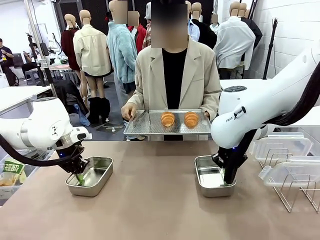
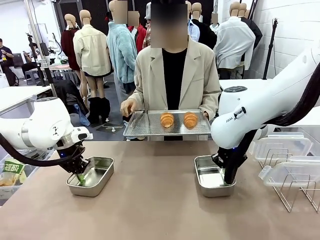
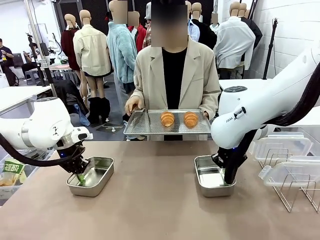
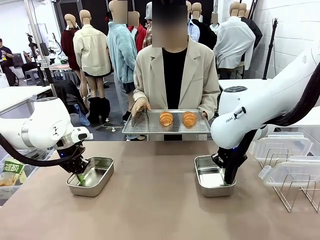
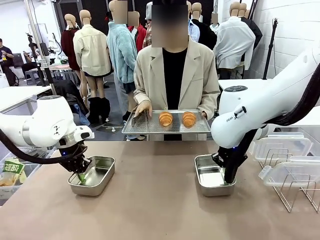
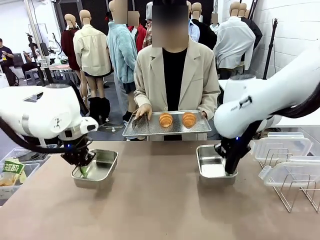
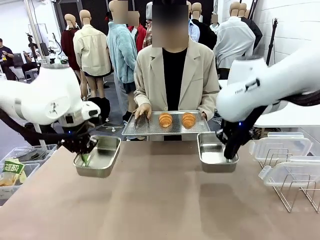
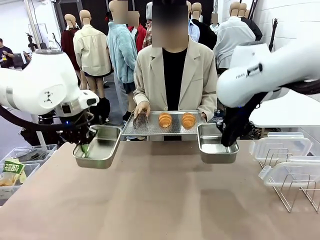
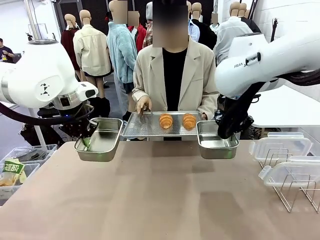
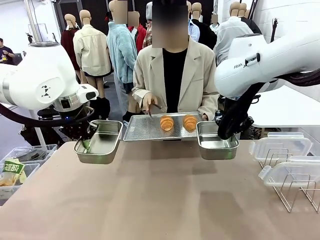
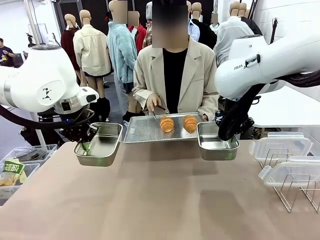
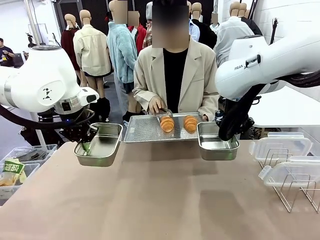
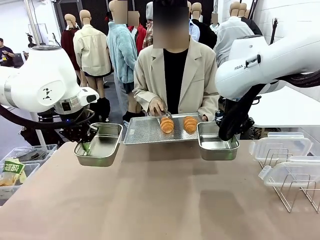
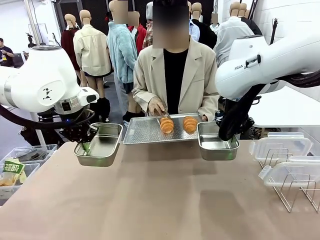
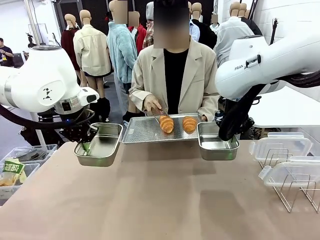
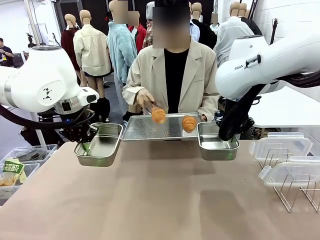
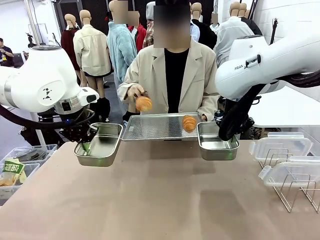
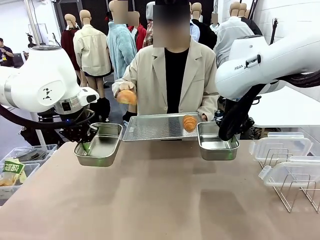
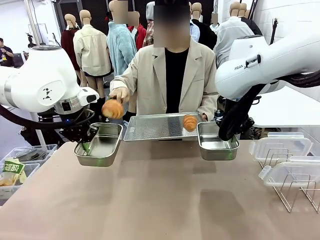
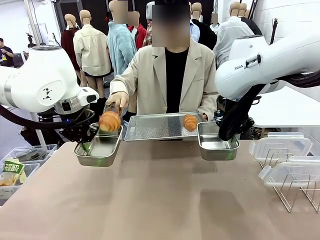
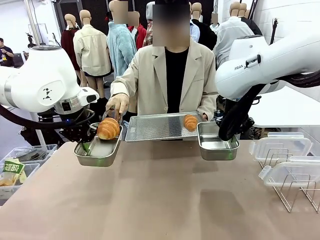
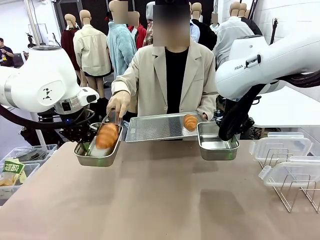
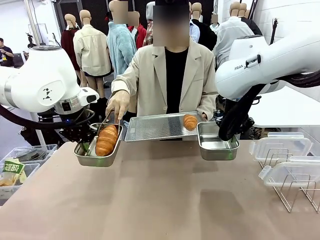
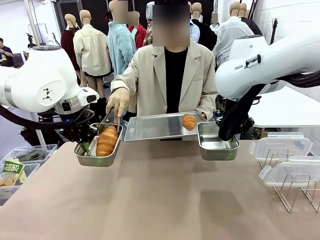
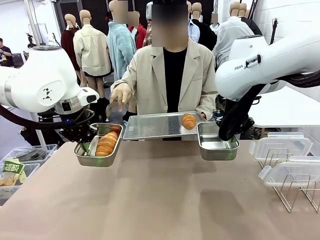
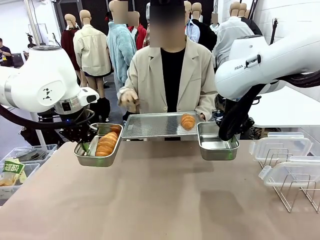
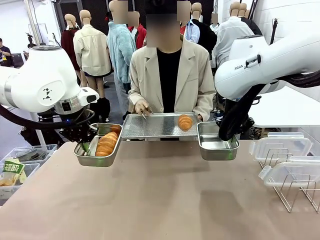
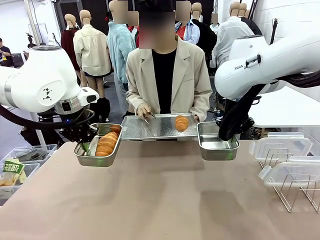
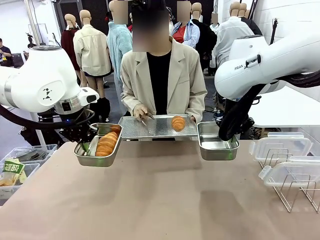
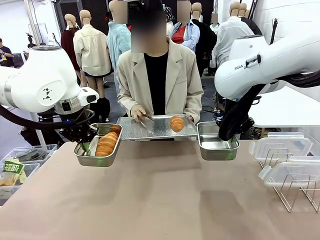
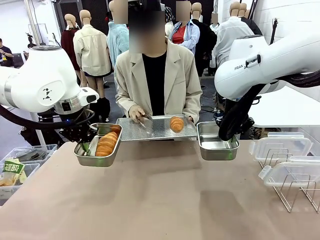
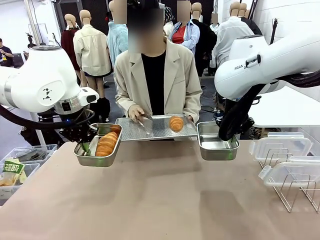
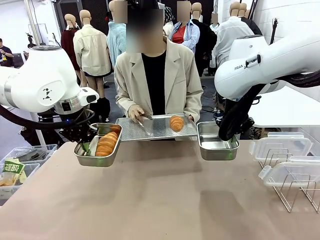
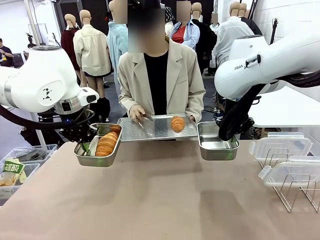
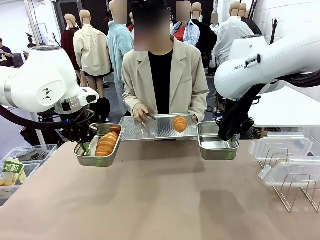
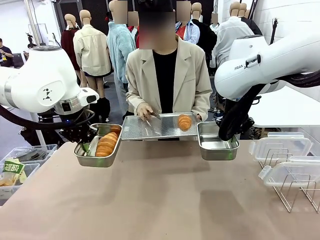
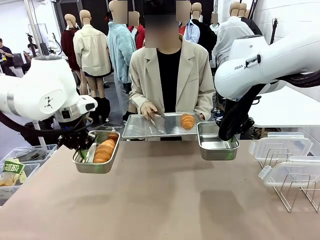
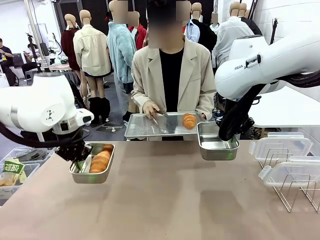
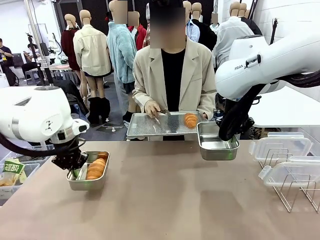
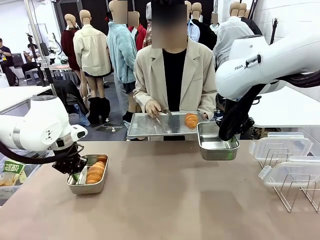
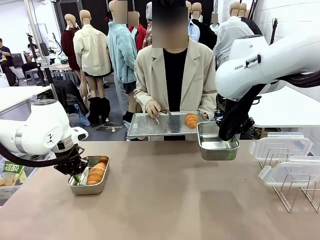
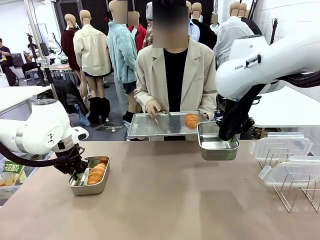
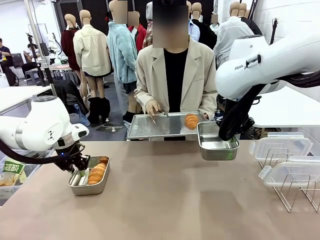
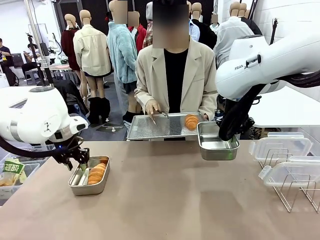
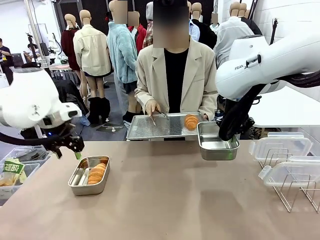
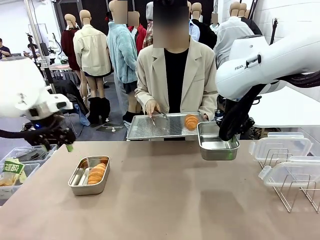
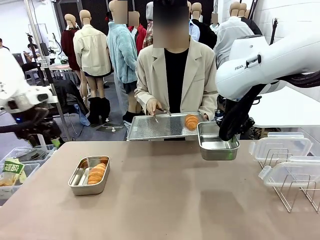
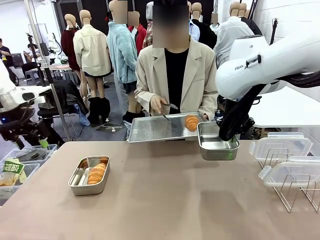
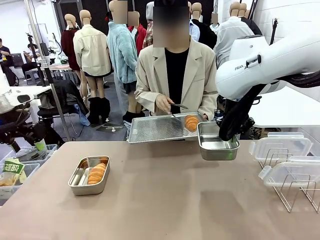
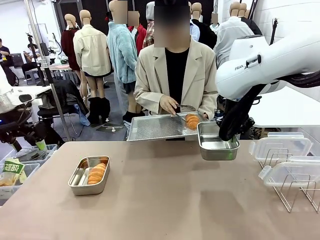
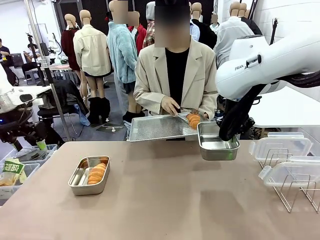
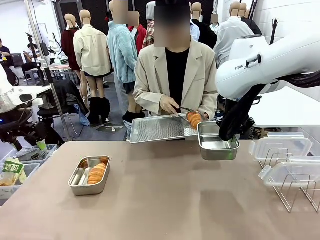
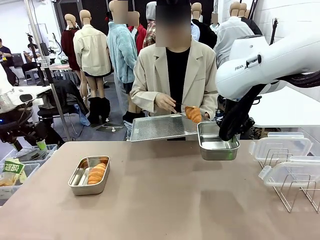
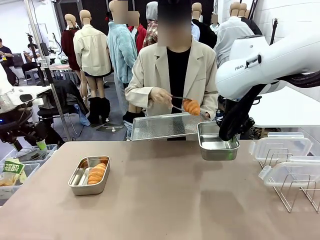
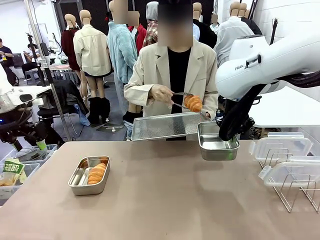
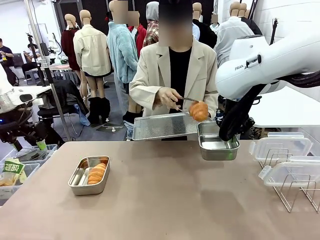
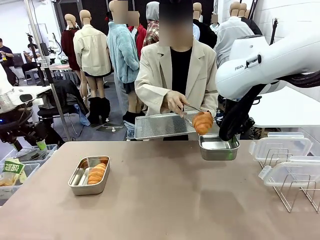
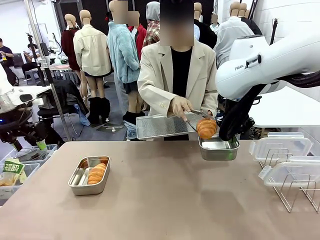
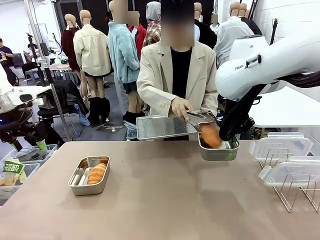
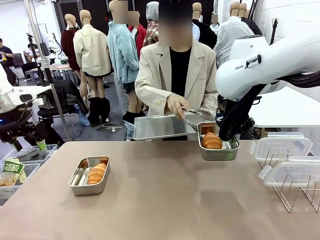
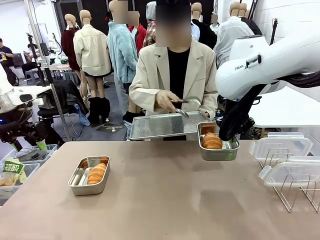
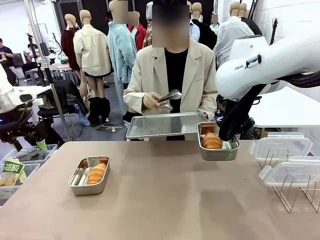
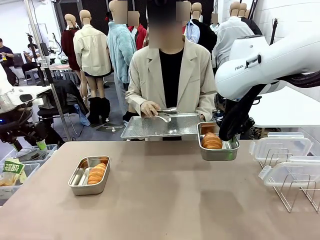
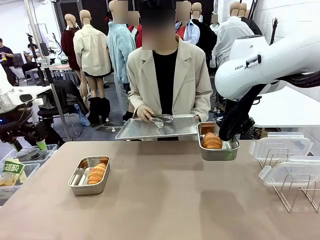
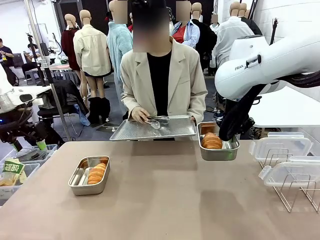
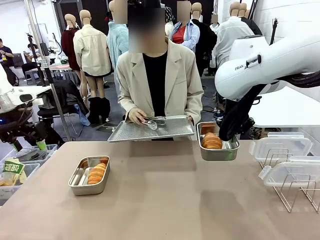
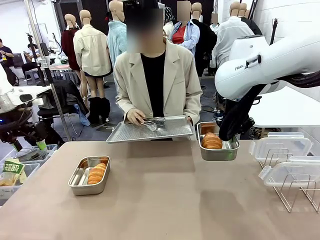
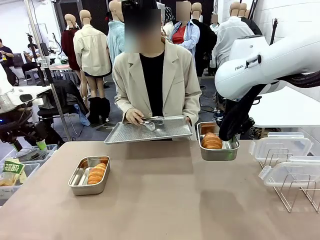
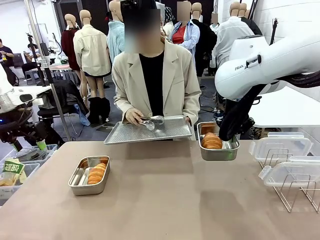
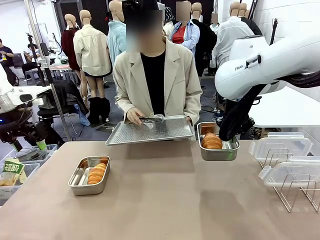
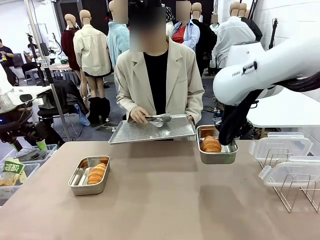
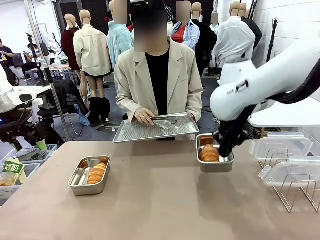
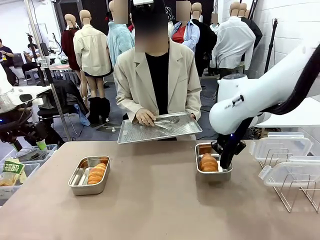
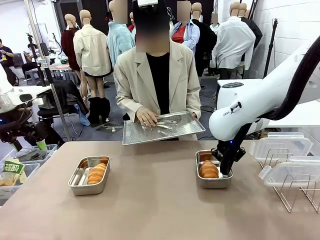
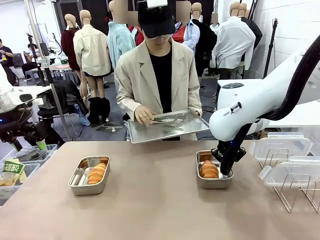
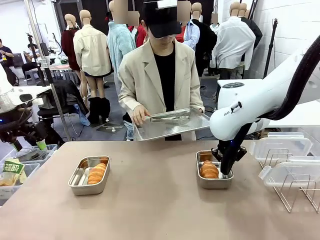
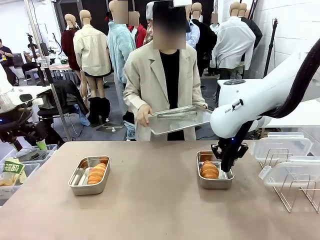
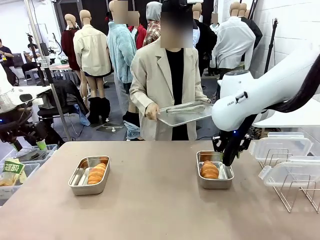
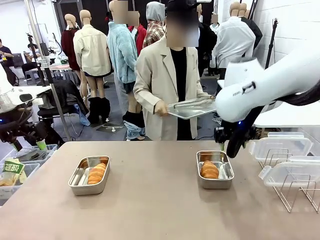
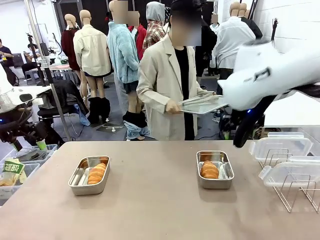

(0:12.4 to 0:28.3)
Task: Place the bread in airtight containers.
Robot: Once an object is inside an Airtight Container , place the container in the center of the table.
Person: Use the Stainless steel tongs to place one object from Baking Sheet into one Airtight Container.

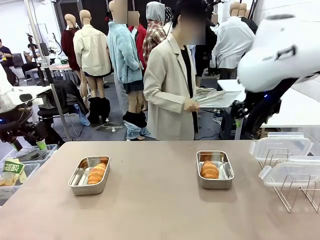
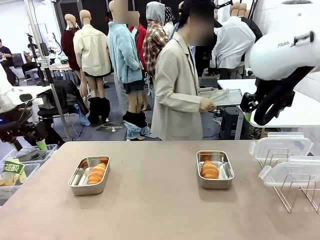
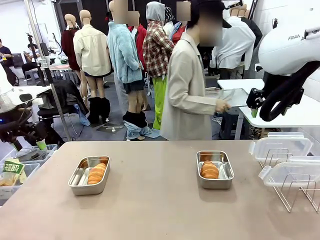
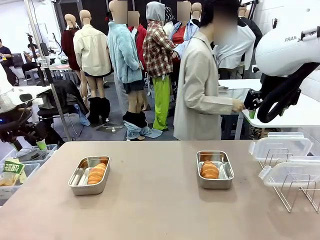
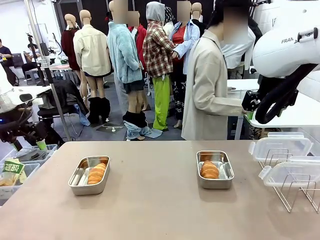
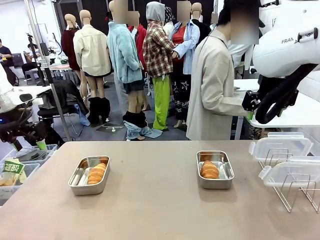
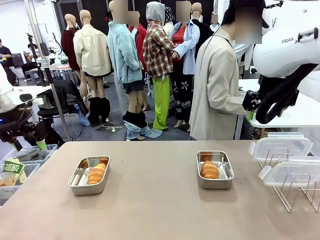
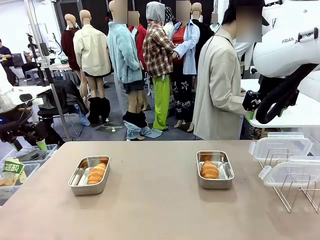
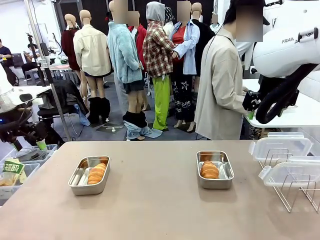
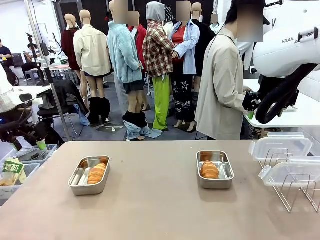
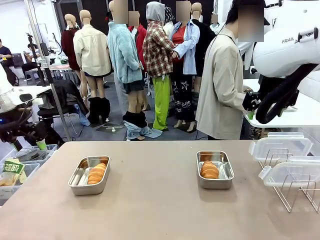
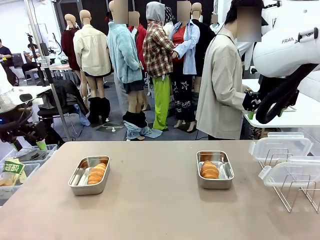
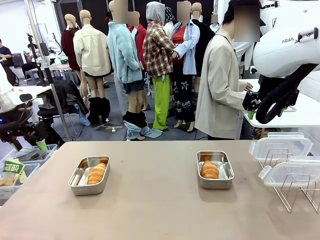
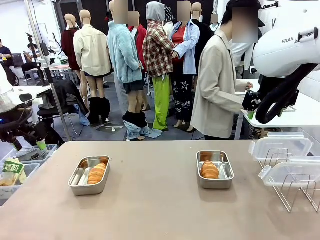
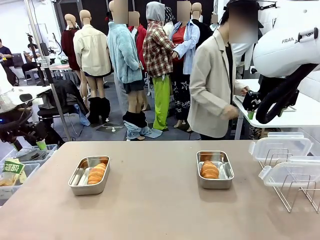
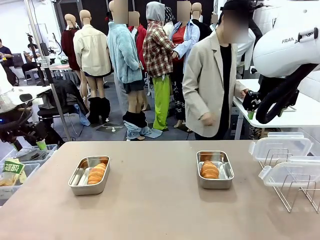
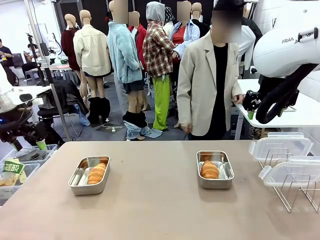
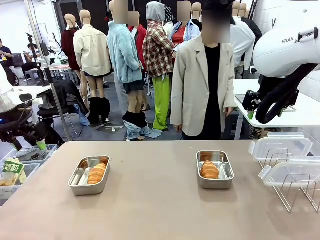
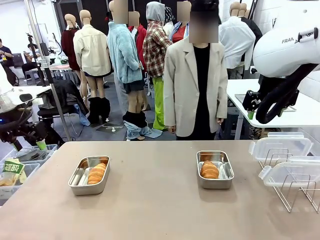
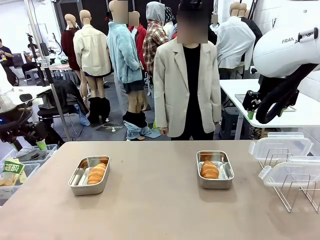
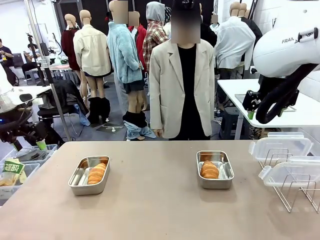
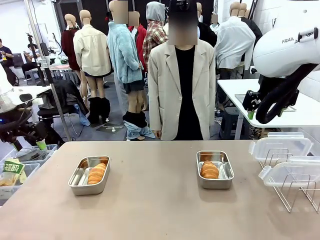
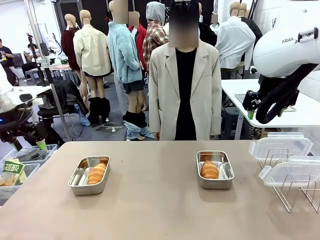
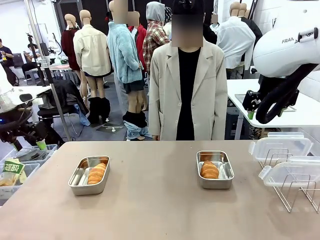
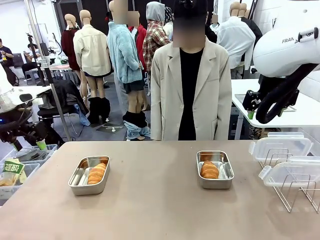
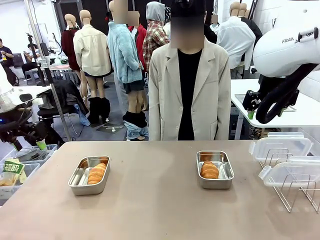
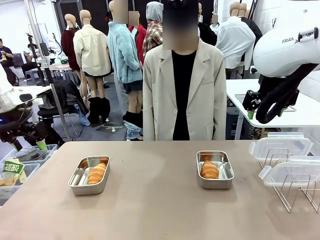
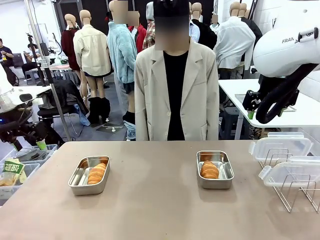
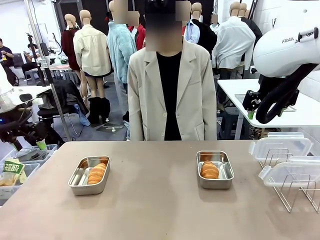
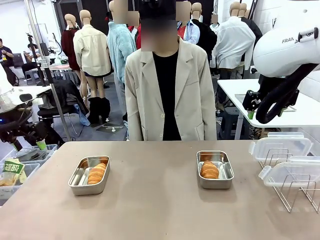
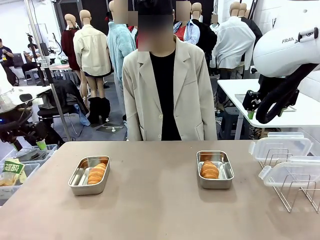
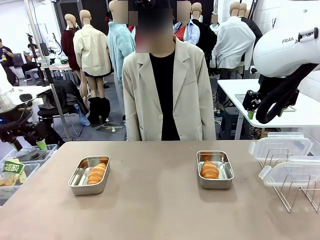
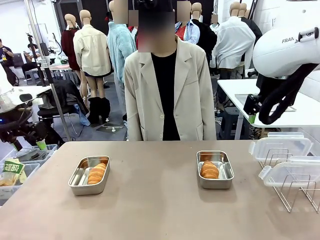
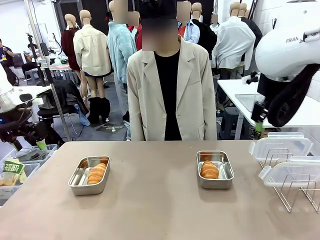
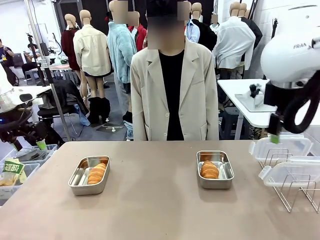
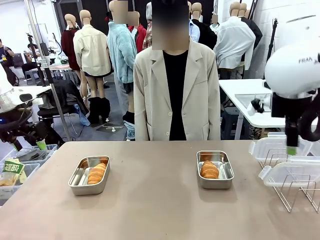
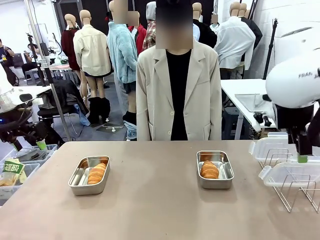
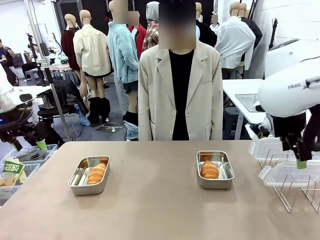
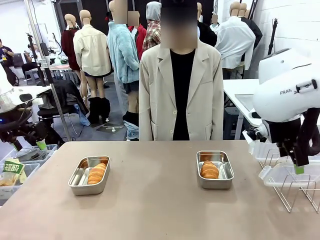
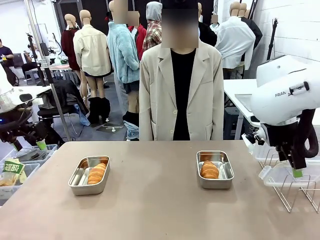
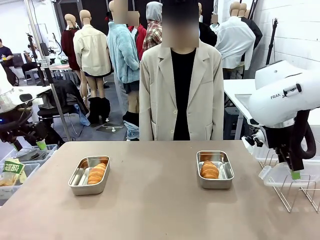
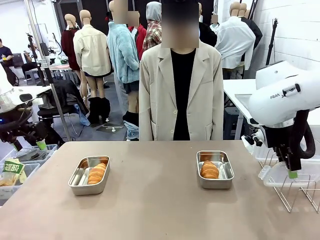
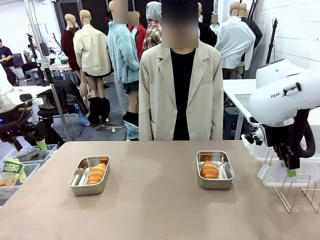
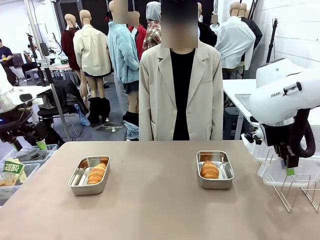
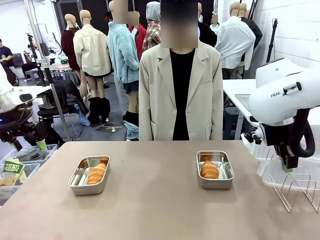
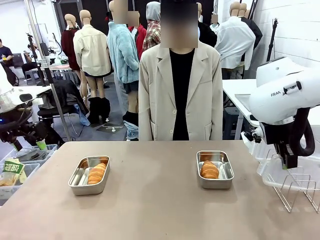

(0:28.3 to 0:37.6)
Robot: Pick up one Airtight Container lid and hand it to the human.
Person: Place Baking Sheet on the Human's Table.
